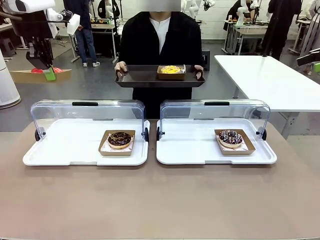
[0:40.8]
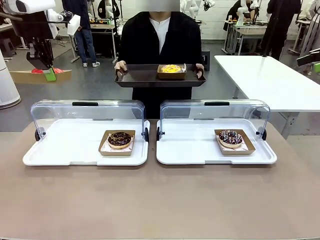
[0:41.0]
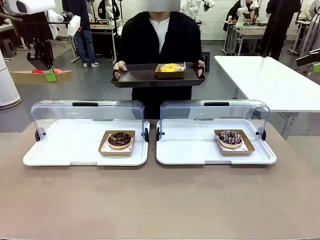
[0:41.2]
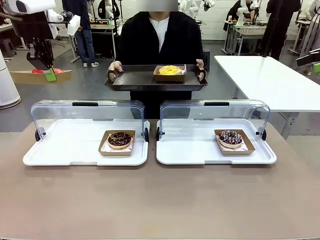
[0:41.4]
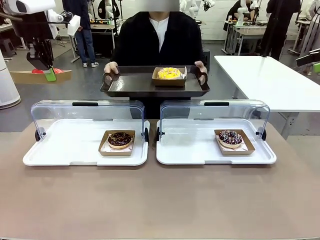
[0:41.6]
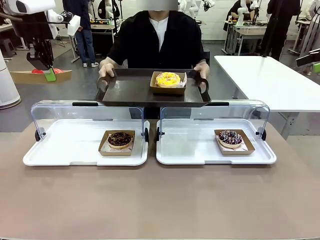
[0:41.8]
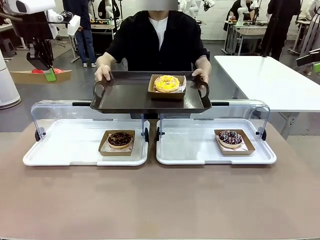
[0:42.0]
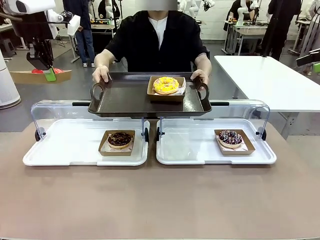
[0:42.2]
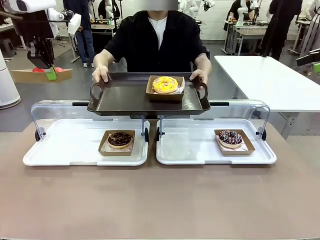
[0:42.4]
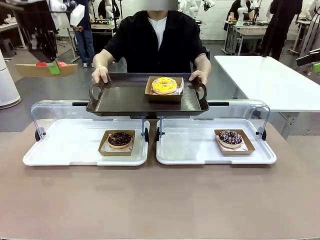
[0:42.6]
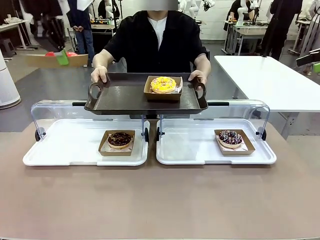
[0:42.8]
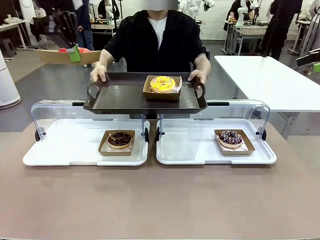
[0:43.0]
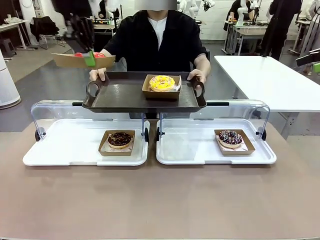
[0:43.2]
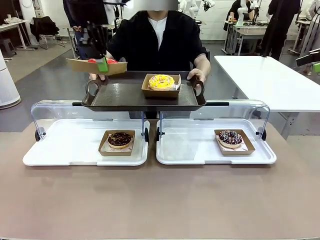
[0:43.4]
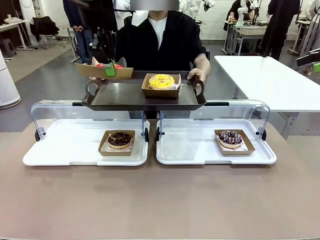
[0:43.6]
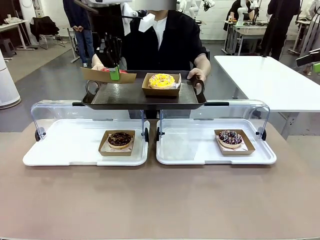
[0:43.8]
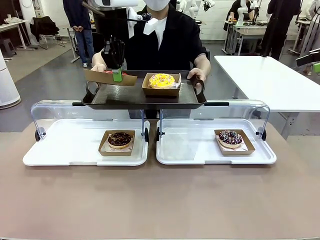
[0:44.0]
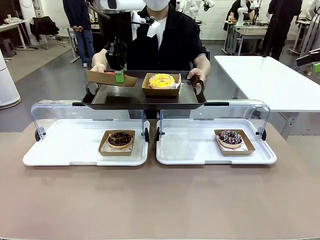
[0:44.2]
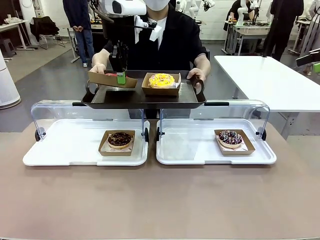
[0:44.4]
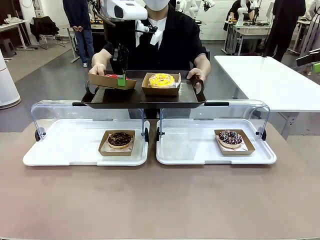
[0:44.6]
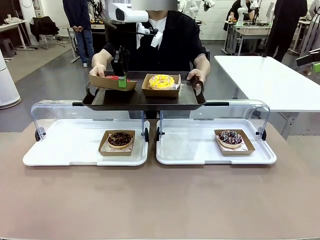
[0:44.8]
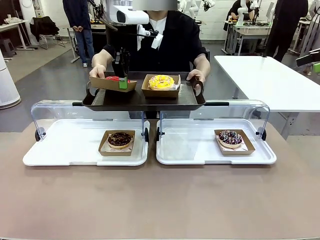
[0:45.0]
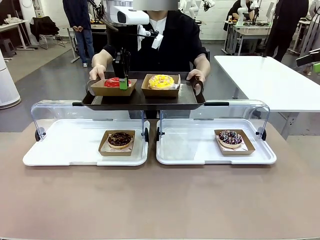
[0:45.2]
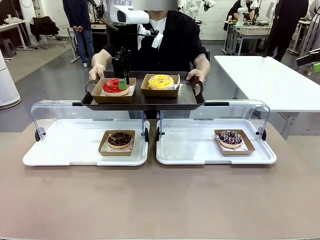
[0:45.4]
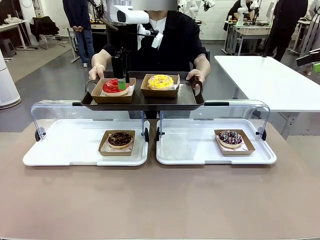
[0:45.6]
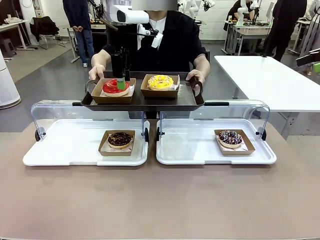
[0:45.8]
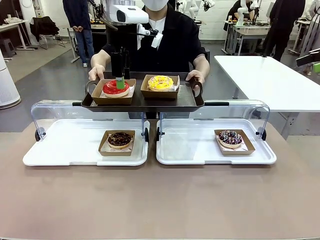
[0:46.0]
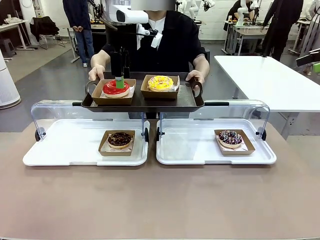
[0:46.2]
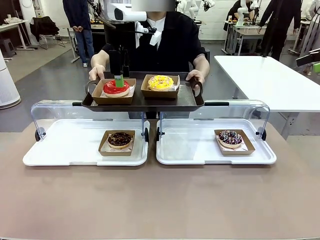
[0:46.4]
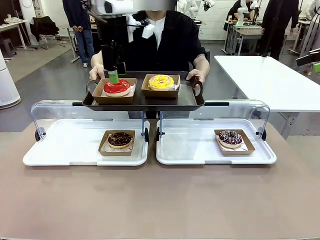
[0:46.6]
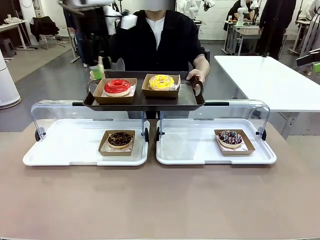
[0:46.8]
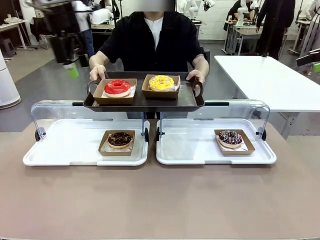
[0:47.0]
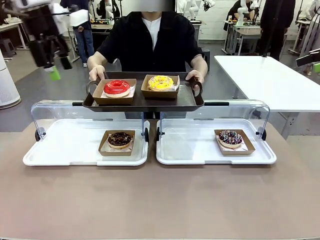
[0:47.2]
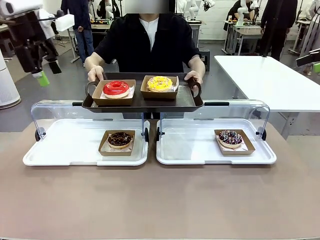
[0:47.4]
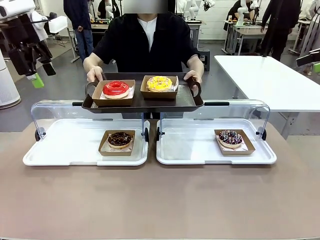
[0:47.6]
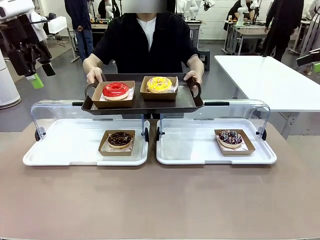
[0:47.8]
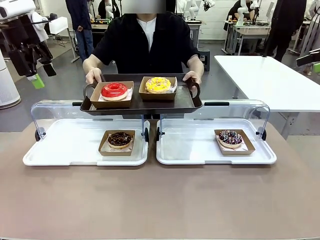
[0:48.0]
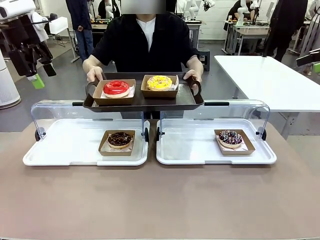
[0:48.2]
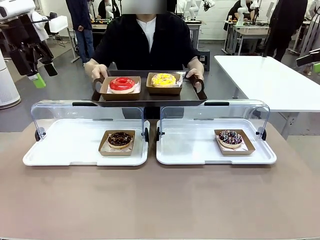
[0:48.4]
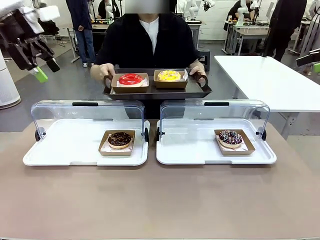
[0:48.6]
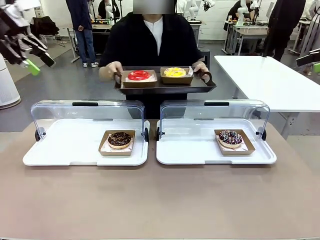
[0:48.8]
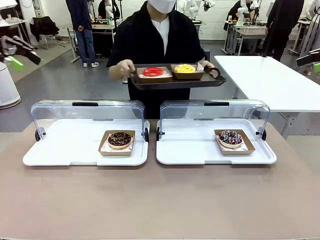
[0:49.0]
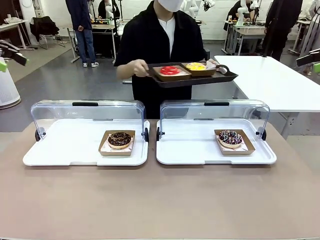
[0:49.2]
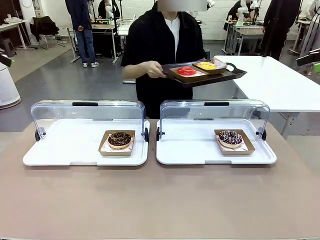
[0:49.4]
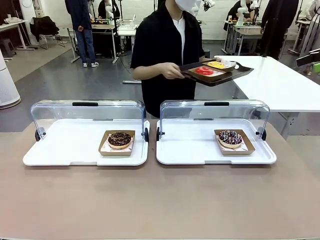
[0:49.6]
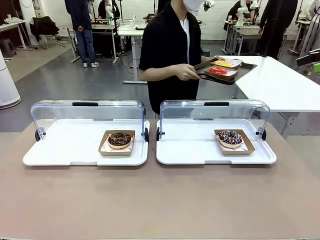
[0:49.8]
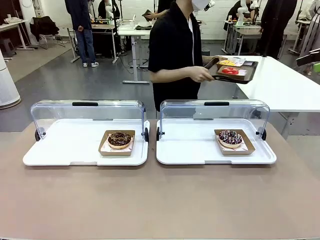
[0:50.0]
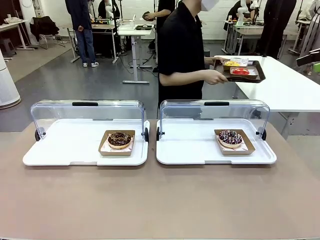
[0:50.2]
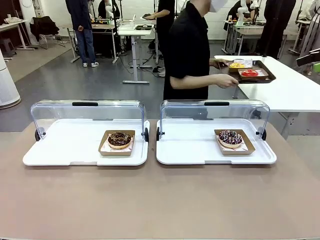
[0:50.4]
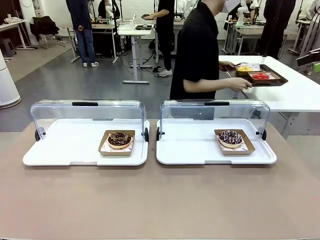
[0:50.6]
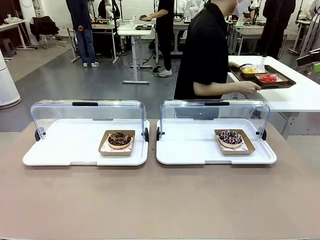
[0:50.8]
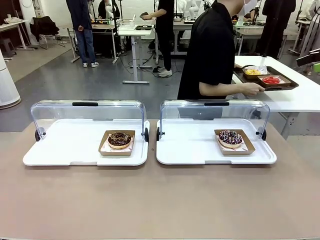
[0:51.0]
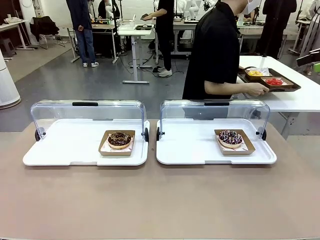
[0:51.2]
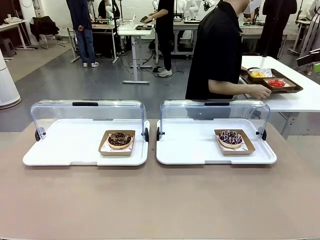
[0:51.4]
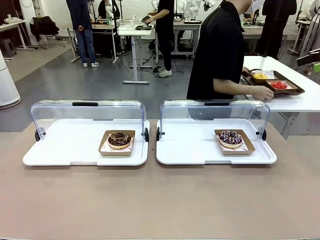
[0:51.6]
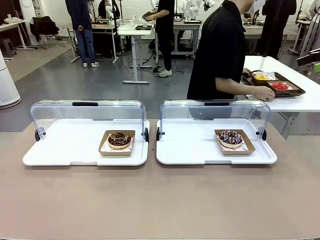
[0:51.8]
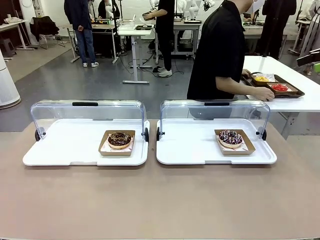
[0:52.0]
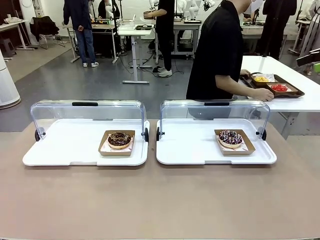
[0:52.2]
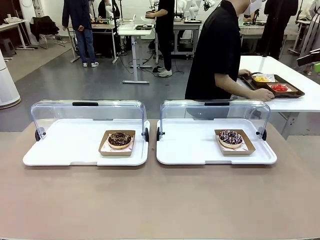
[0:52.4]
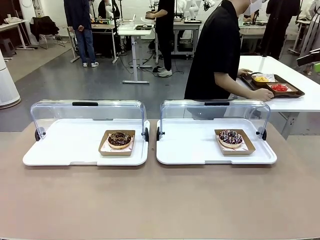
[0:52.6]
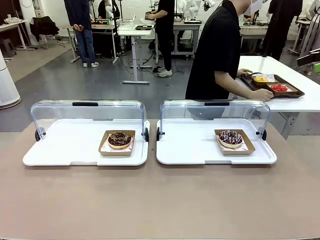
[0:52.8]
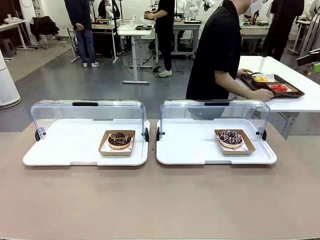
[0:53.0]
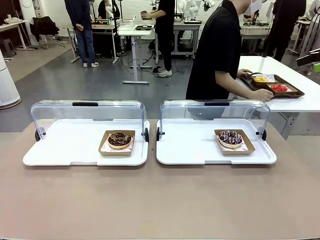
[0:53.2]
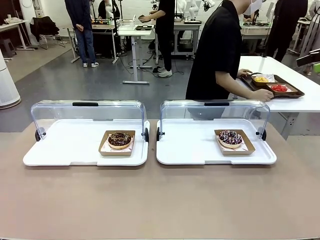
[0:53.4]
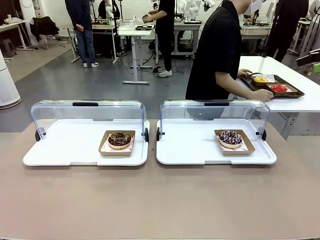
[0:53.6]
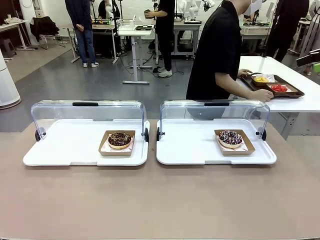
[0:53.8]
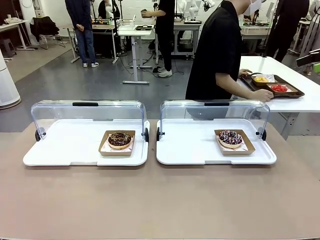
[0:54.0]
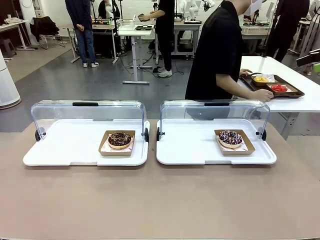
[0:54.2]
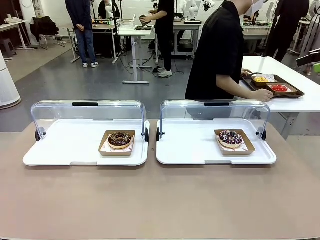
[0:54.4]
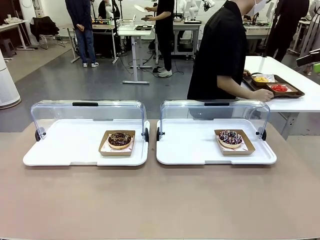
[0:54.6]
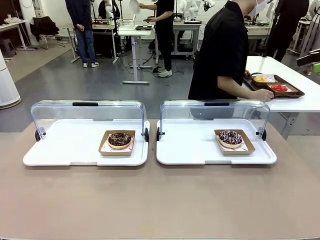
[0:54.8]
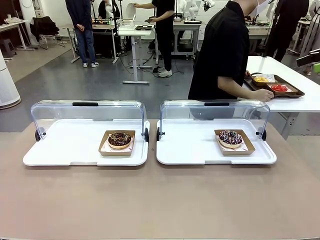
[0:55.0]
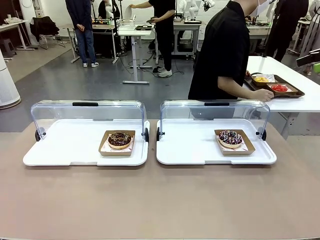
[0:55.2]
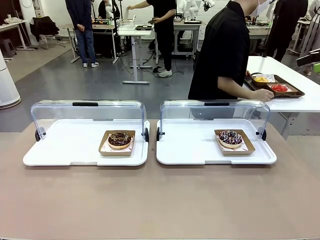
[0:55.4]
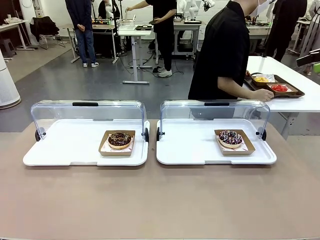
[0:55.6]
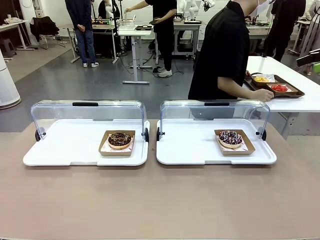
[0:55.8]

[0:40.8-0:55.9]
Task: Provide the desired donut to the person.
Robot: Place the picked Paper togo box onto the Handle tray extended by the person.
Person: Place the tray in the middle of the human table.
